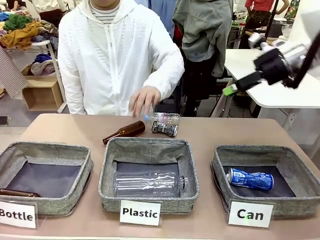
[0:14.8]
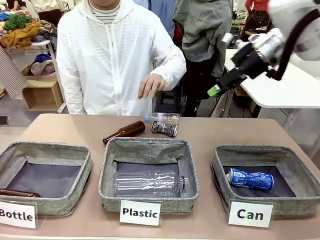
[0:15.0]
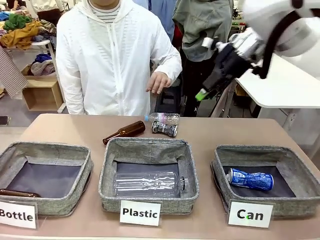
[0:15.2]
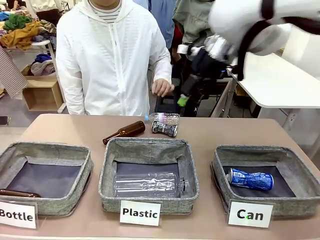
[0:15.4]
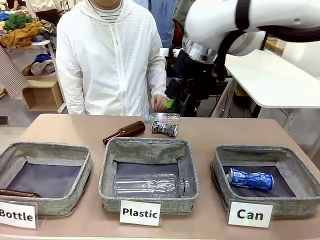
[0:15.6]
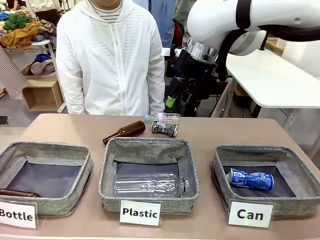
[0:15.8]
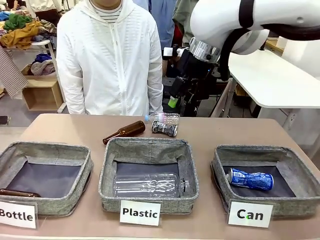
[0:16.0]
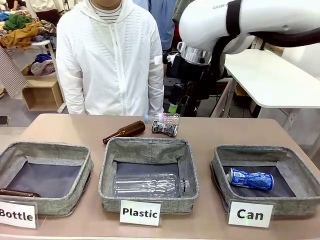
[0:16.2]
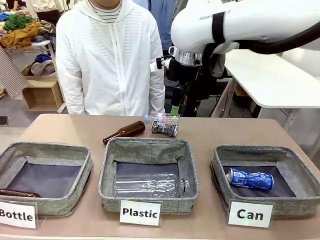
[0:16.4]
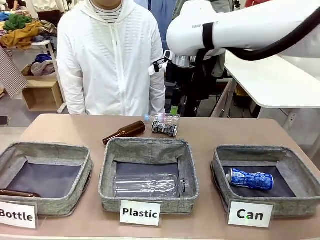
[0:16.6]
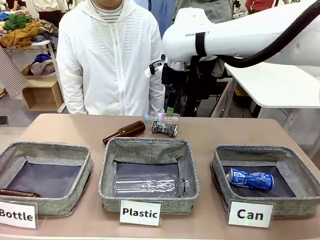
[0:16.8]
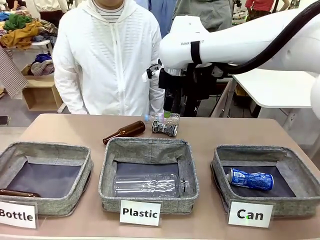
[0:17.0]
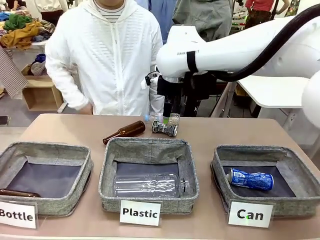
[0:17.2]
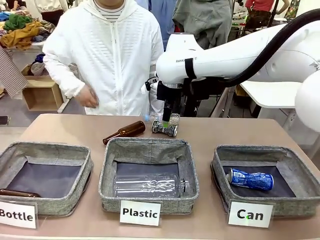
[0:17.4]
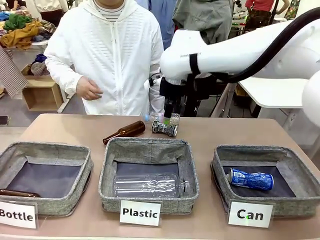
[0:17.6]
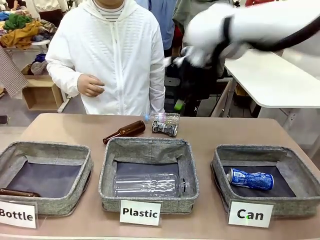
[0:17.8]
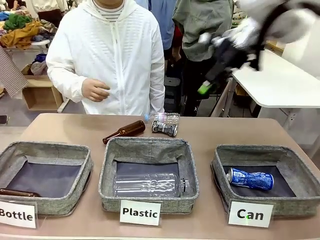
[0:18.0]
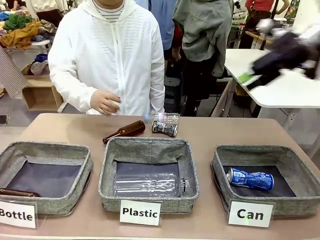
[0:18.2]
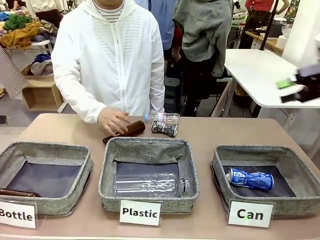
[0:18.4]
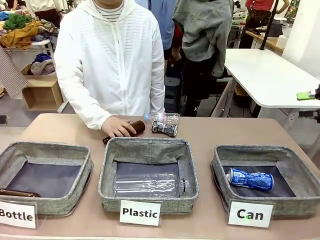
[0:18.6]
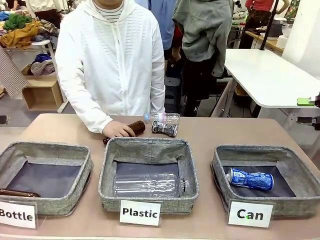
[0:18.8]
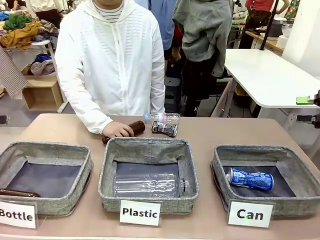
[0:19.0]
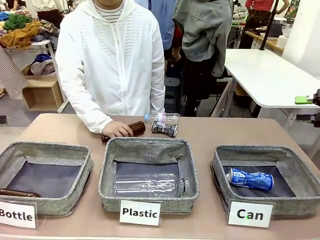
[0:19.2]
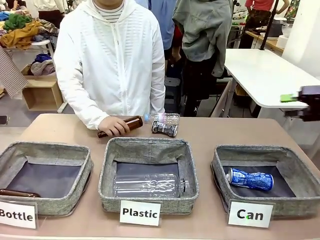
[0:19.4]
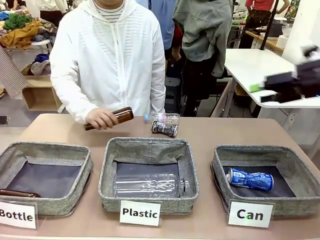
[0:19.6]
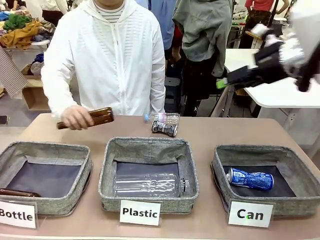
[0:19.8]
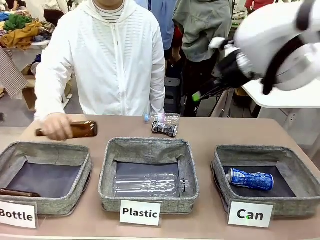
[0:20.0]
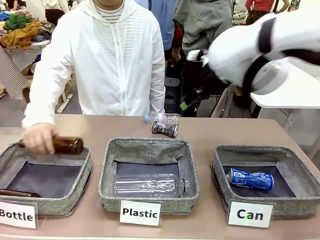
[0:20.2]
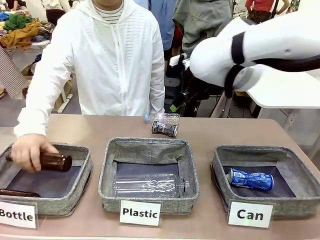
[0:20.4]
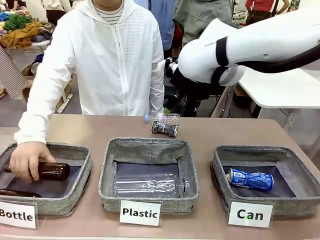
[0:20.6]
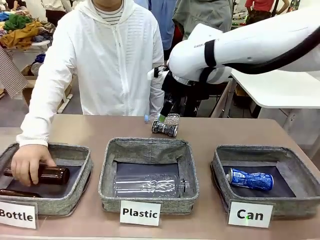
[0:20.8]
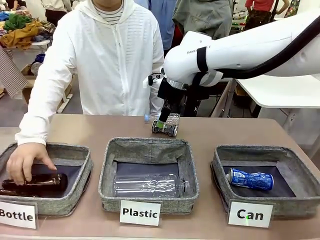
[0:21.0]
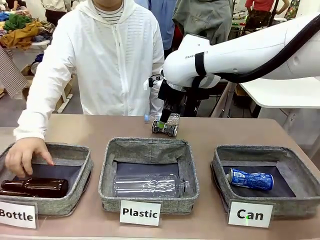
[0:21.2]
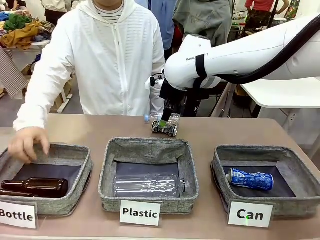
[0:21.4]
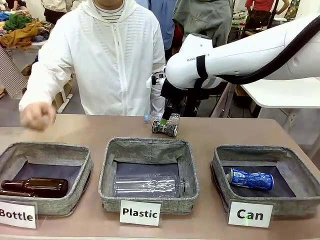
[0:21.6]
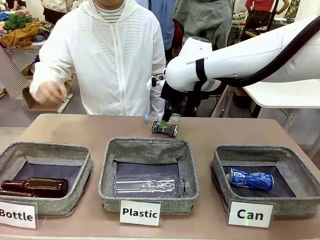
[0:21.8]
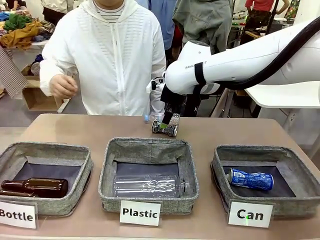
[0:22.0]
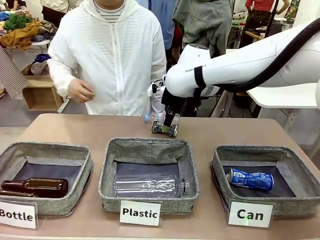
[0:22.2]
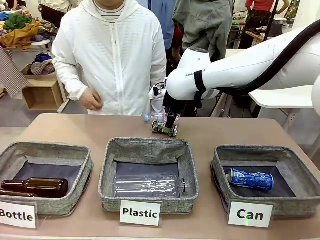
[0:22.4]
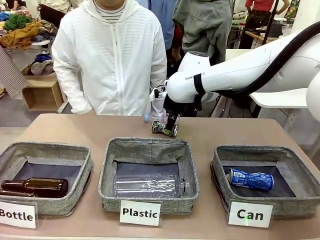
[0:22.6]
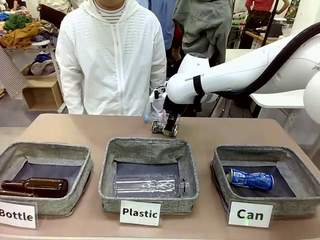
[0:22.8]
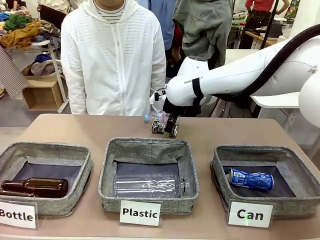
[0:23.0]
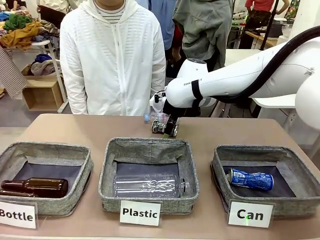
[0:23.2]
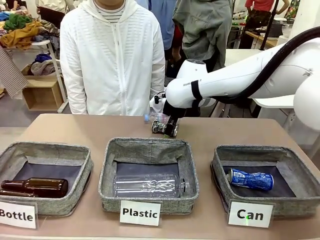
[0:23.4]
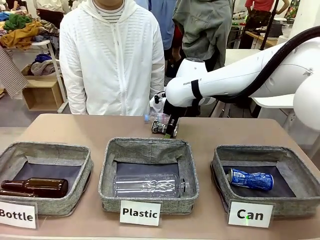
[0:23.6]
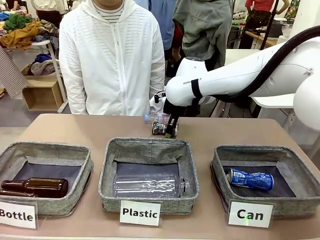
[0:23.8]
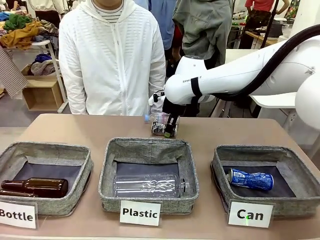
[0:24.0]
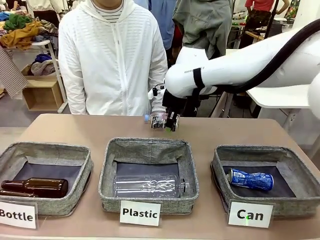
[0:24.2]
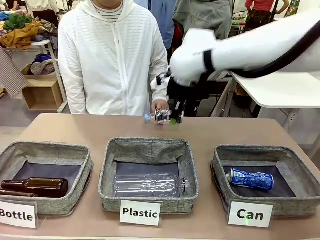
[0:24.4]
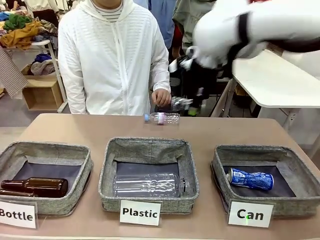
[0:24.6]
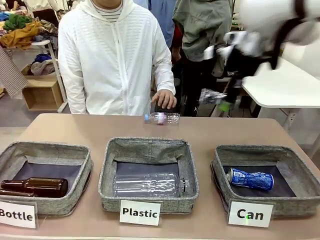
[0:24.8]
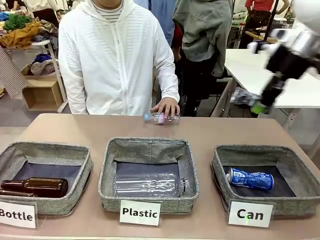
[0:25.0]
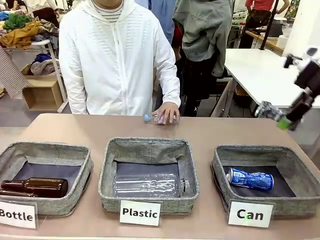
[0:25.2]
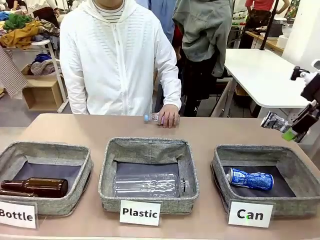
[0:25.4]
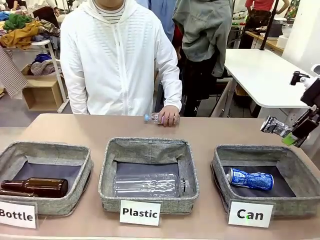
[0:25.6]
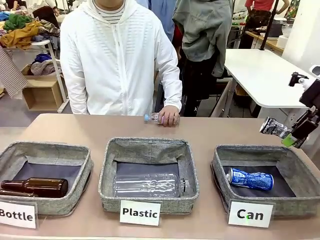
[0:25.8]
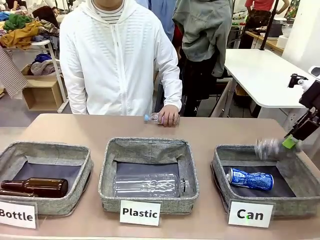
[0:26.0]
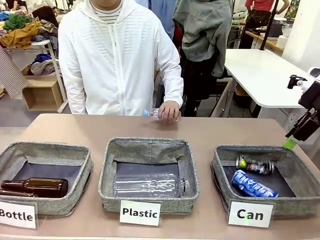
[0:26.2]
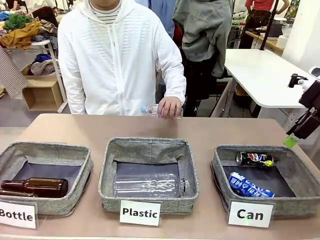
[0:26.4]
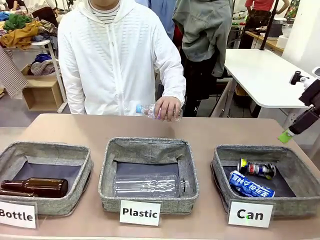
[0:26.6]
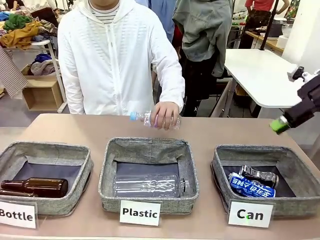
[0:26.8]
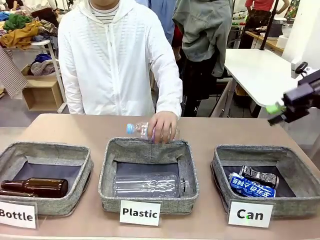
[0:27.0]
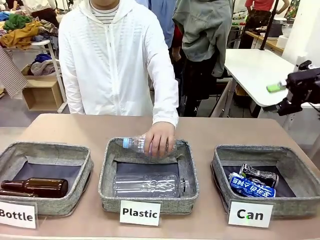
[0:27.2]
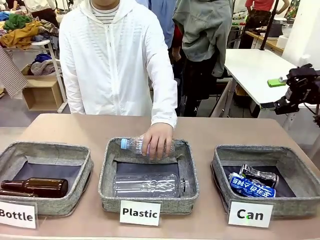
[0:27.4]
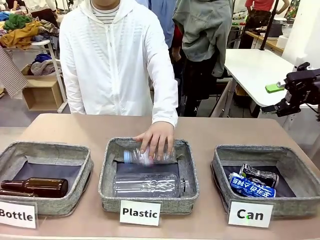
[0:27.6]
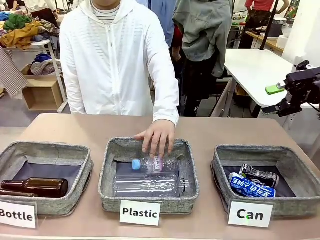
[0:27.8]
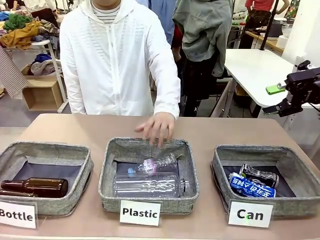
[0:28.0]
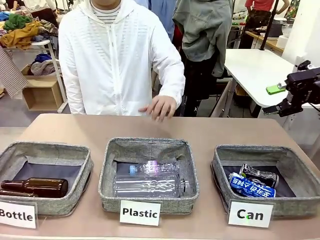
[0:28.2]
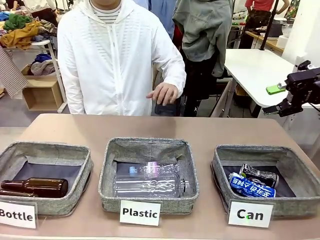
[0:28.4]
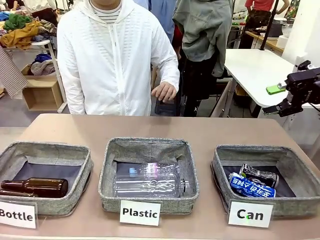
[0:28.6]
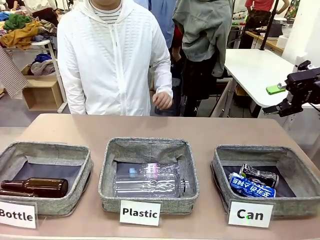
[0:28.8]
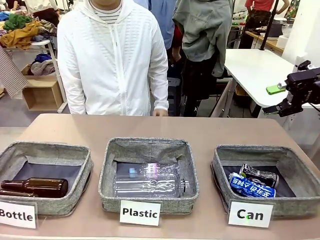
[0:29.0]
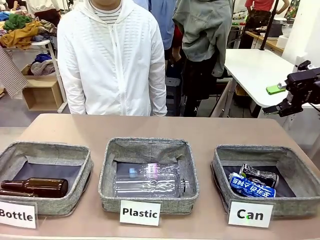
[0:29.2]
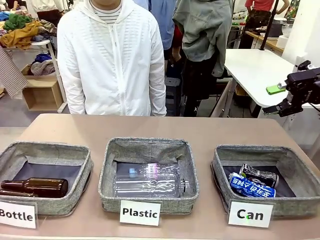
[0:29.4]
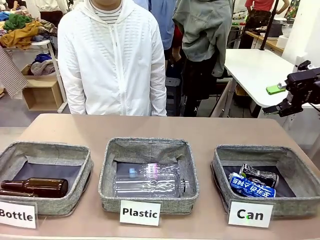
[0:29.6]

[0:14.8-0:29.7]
Task: Sort the can waste into the basket.
Robot: Pick up the can waste from the table and place it in the right Fabric basket.
Person: The human picks up one piece of trash that is not a can and places the trash into the appropriate organizing basket.
